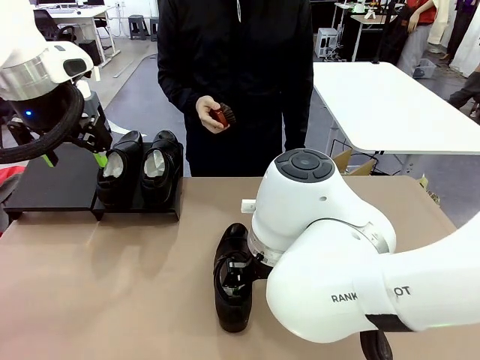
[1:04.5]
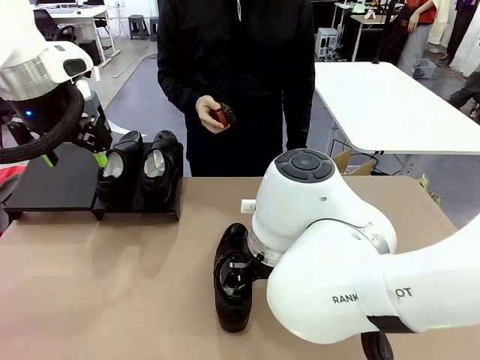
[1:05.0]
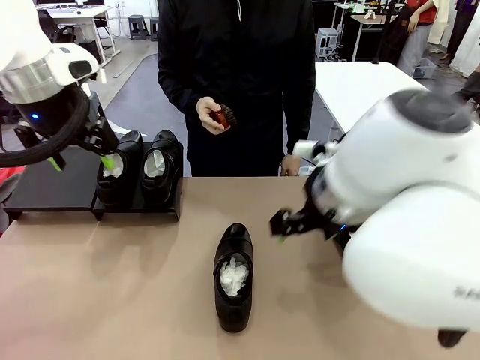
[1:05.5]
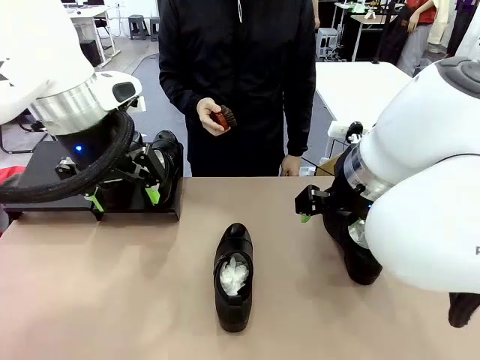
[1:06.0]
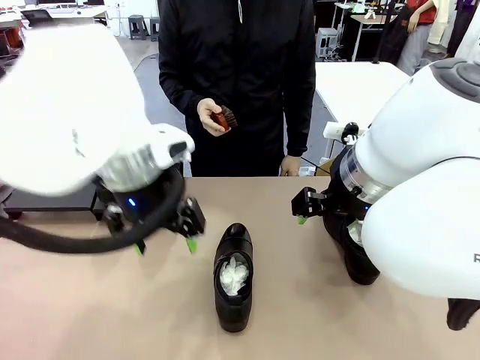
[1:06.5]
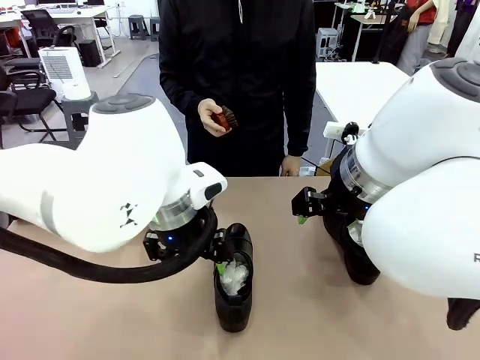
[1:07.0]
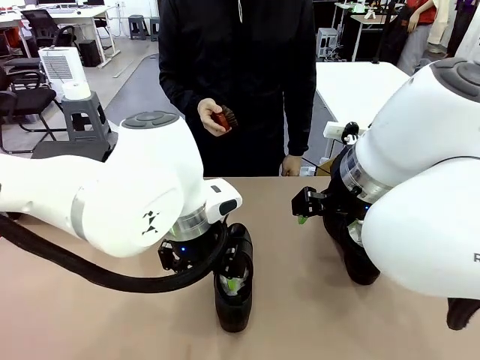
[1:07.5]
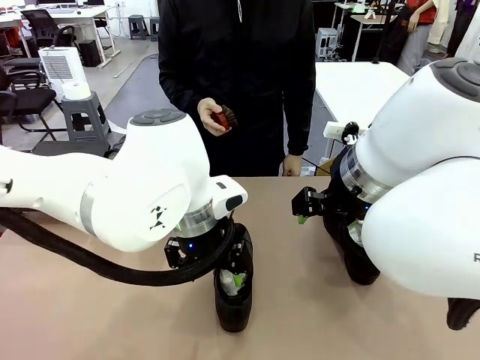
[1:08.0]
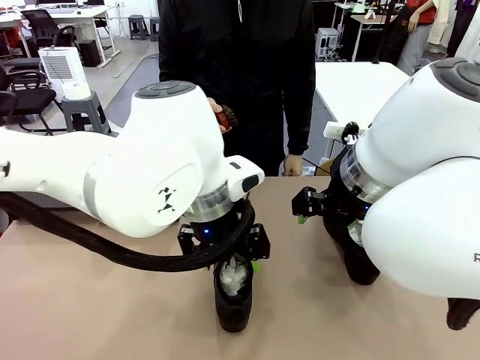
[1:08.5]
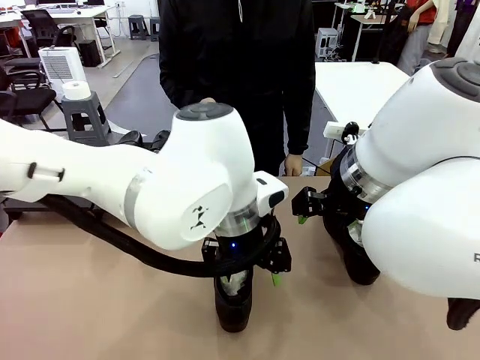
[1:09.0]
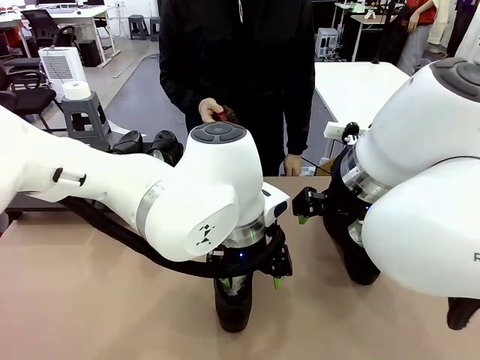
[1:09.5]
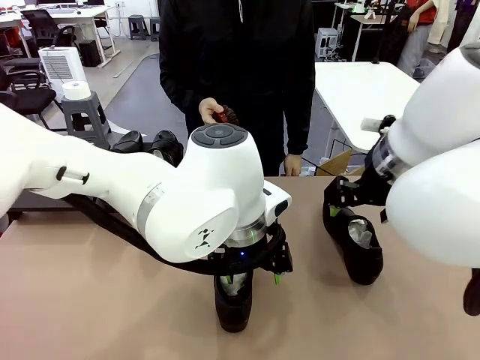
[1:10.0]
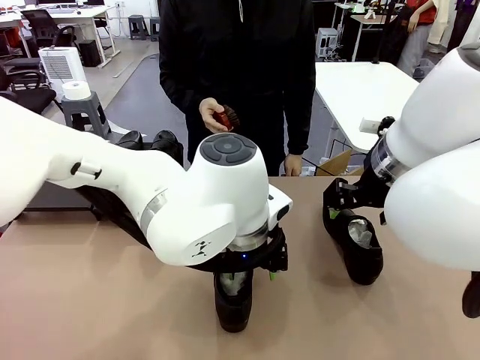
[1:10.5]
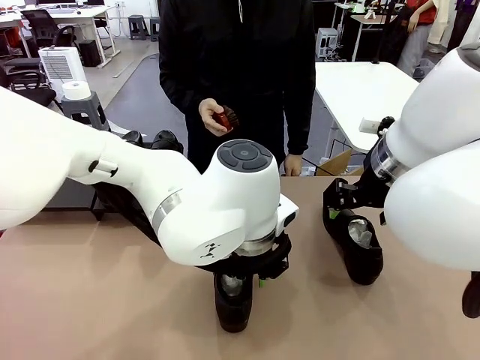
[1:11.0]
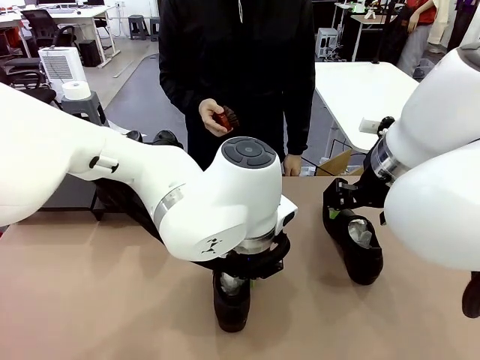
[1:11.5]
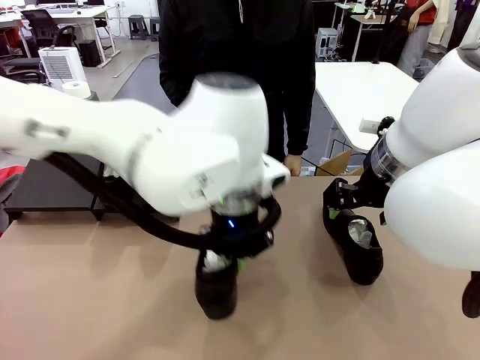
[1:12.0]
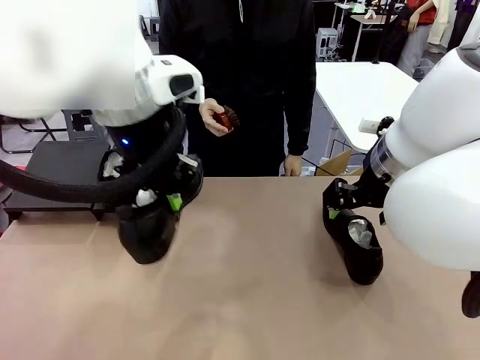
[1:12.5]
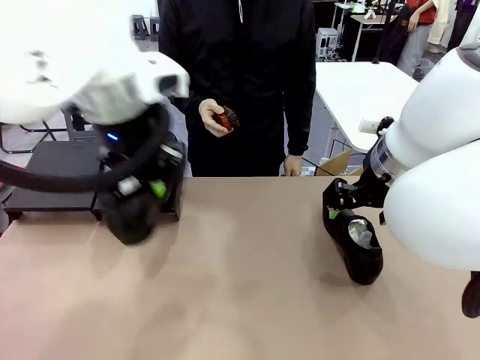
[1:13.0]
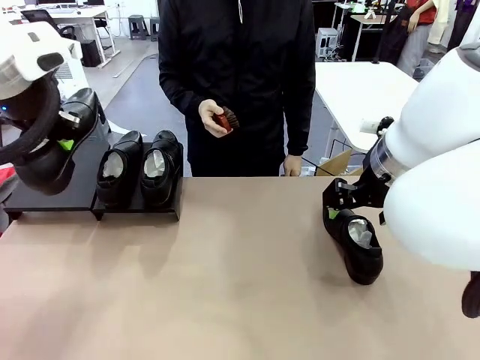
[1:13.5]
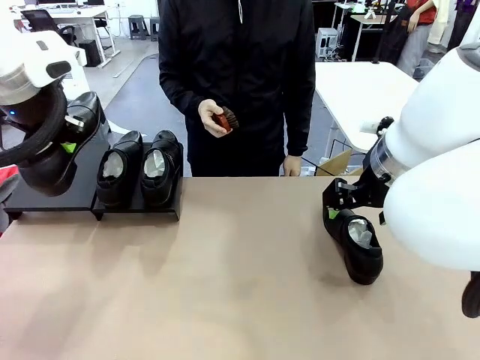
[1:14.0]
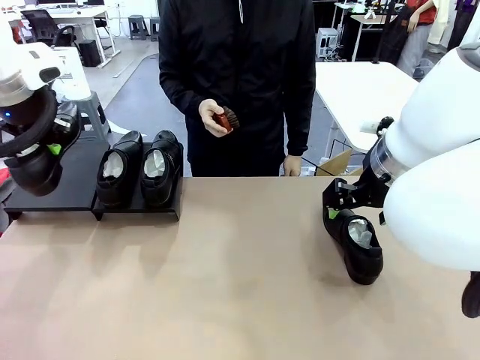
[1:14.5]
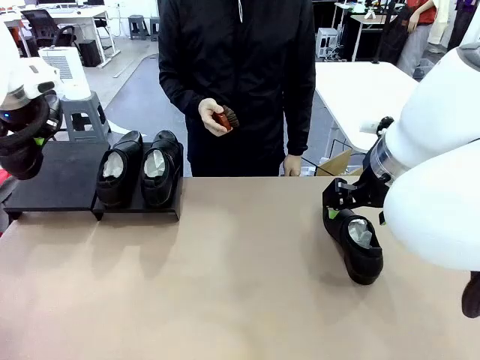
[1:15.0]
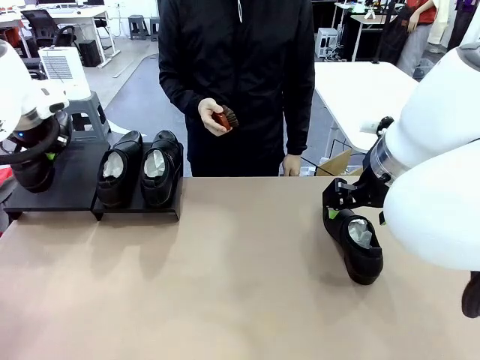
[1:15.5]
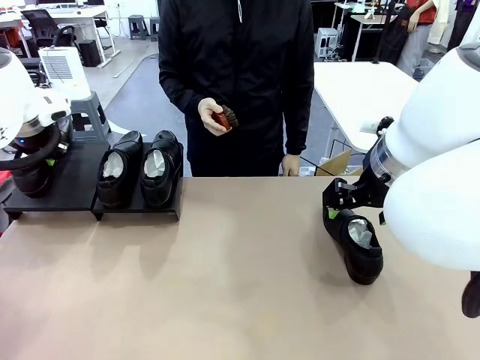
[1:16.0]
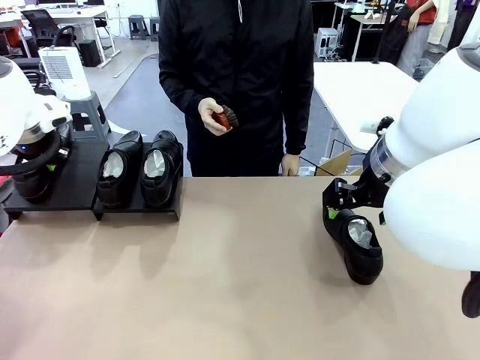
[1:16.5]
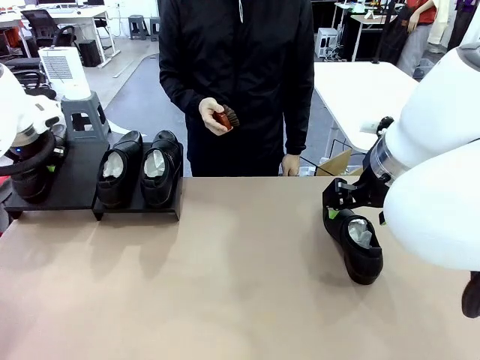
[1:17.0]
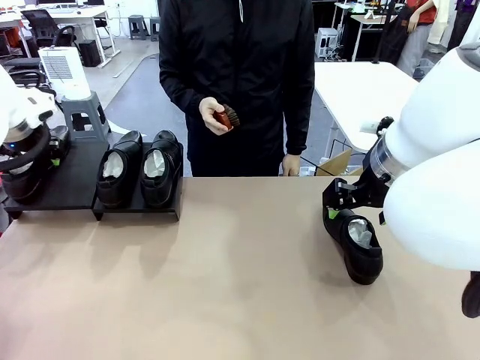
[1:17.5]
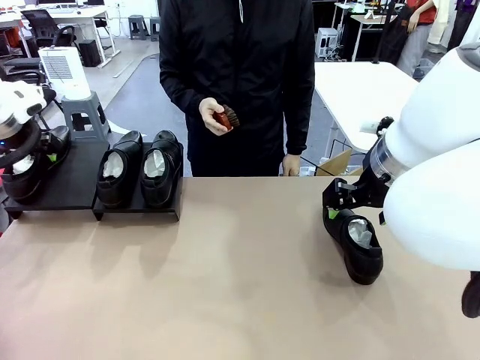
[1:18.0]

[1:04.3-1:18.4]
Task: Organize the shoes by placing them on the stand.
Robot: Place the Shoe from the middle of the table onto the Shoes Stand.

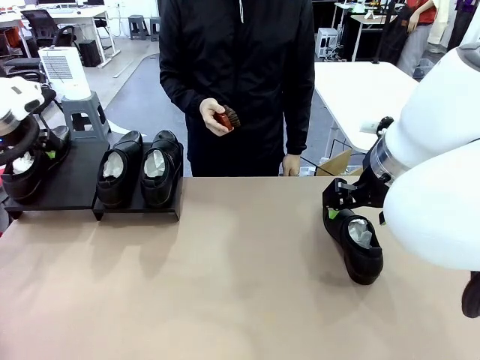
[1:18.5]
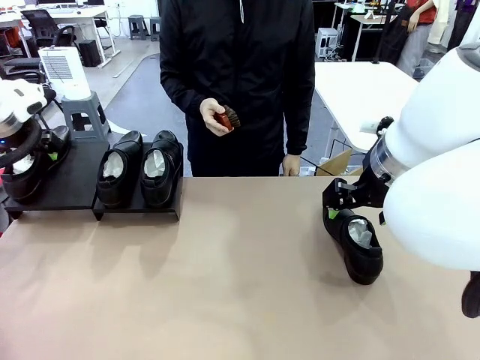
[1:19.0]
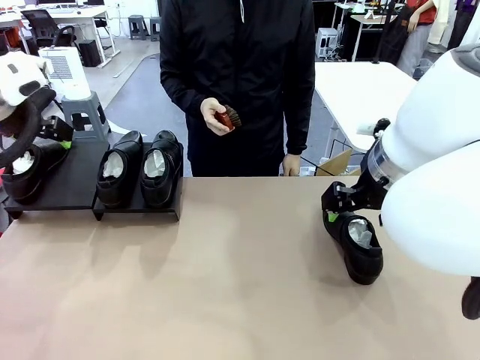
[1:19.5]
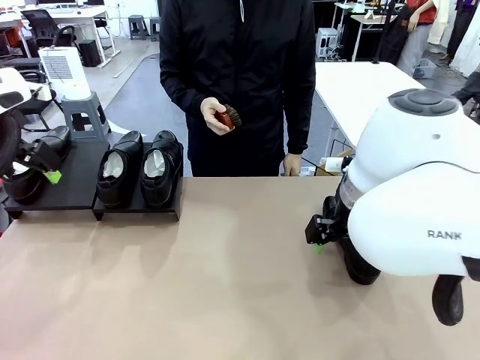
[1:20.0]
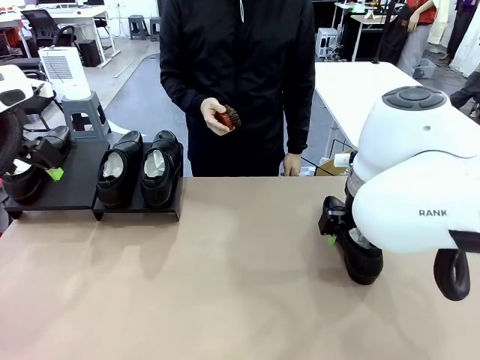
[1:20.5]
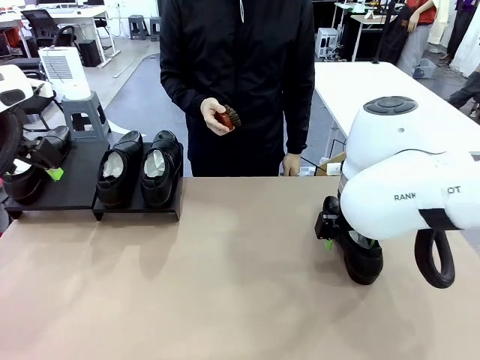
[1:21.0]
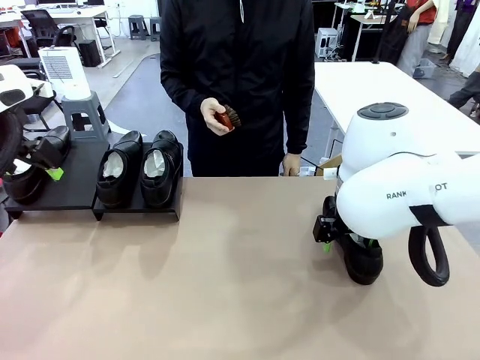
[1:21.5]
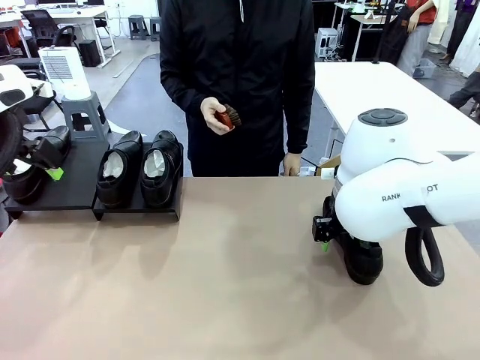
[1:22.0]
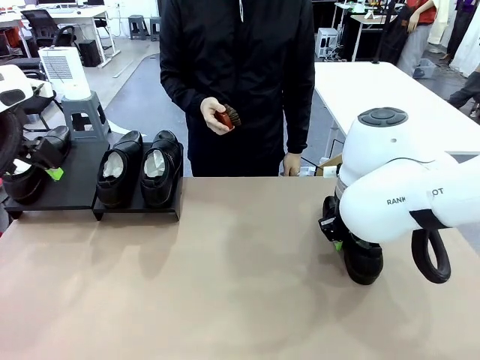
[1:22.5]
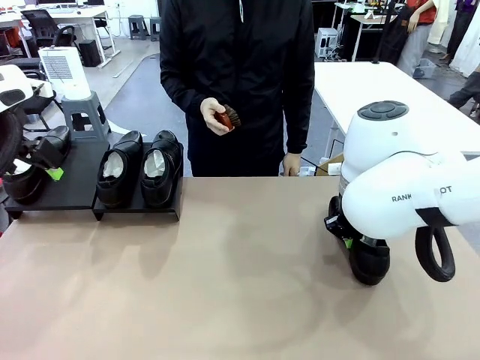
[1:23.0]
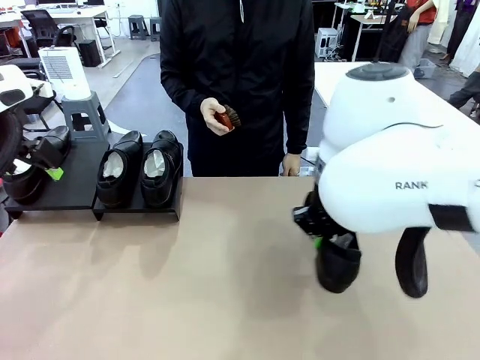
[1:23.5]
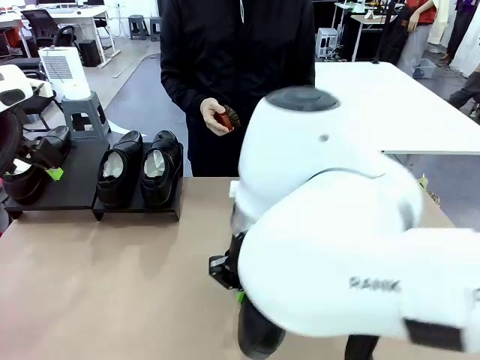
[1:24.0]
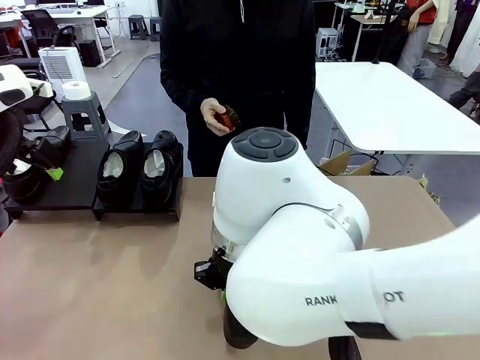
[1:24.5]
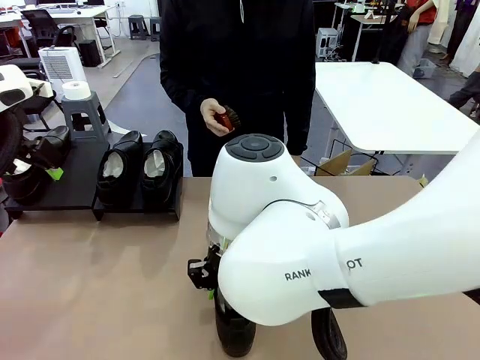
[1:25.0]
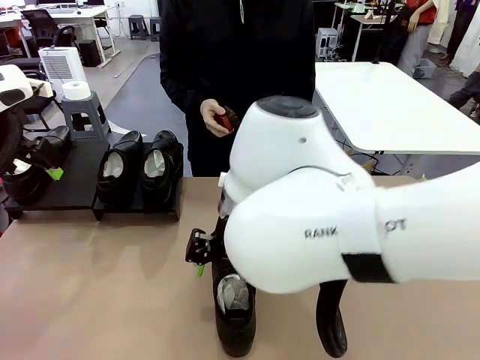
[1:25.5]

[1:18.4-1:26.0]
Robot: Pick up one Shoe and place it in the middle of the table.

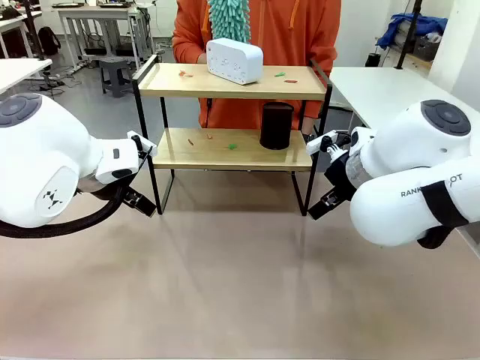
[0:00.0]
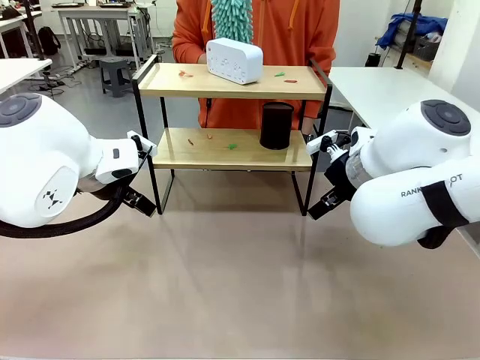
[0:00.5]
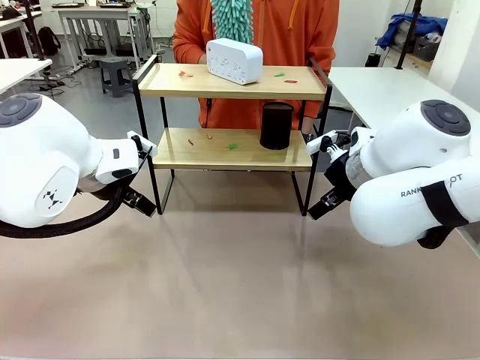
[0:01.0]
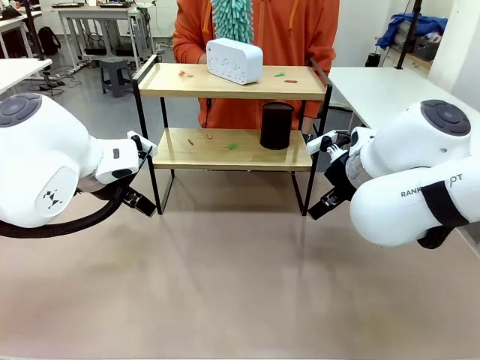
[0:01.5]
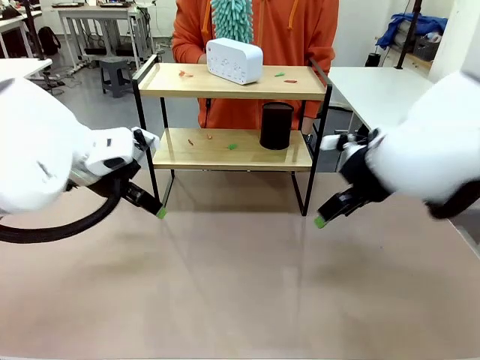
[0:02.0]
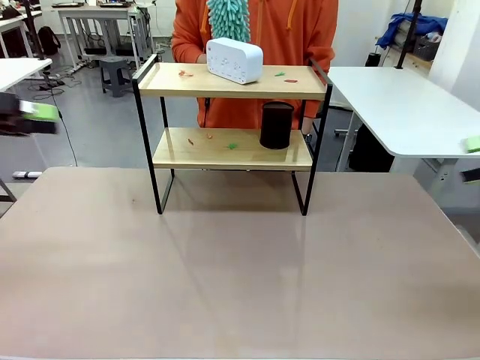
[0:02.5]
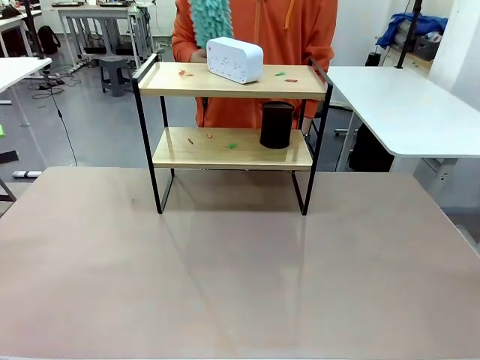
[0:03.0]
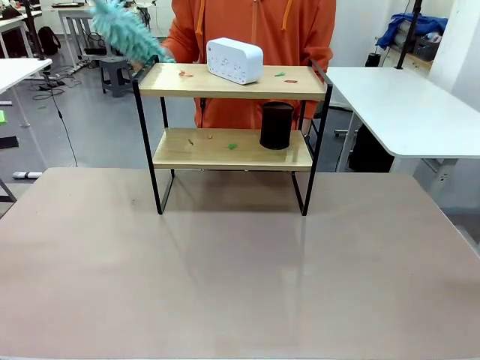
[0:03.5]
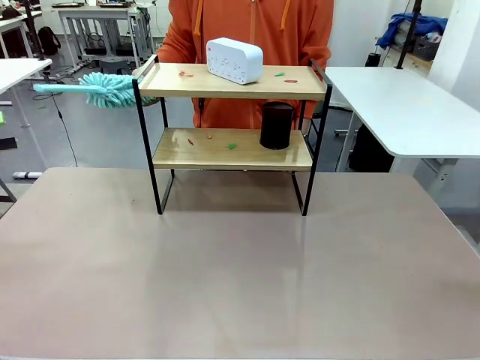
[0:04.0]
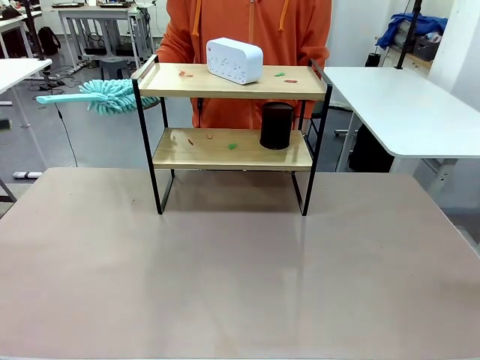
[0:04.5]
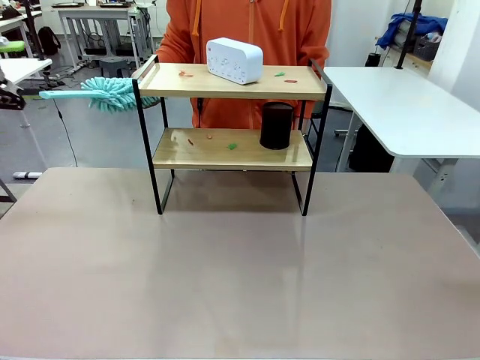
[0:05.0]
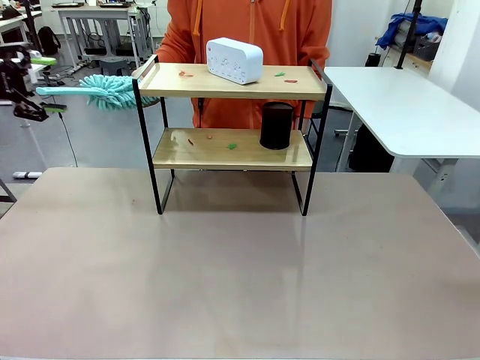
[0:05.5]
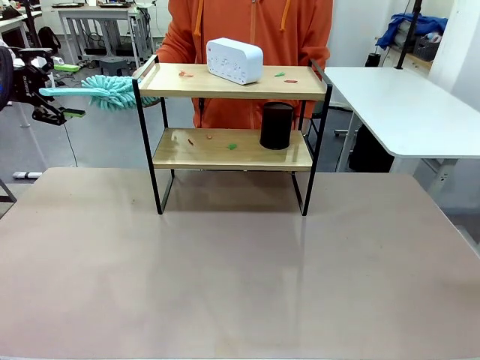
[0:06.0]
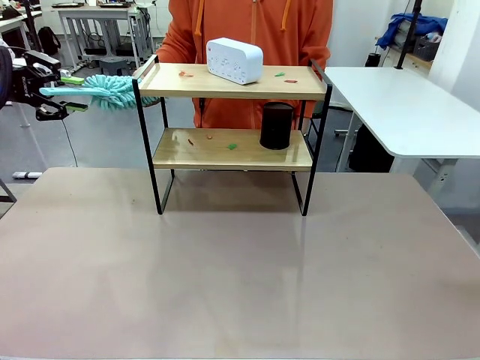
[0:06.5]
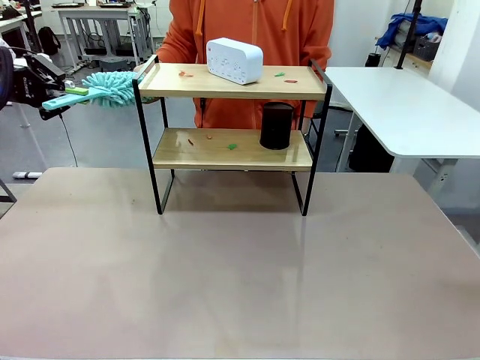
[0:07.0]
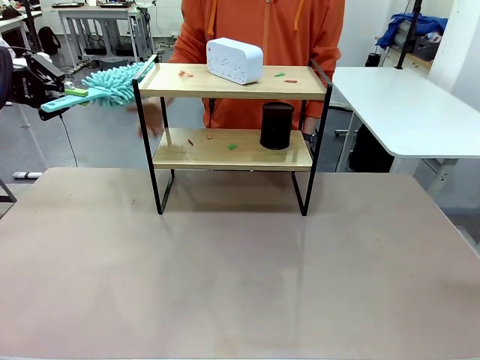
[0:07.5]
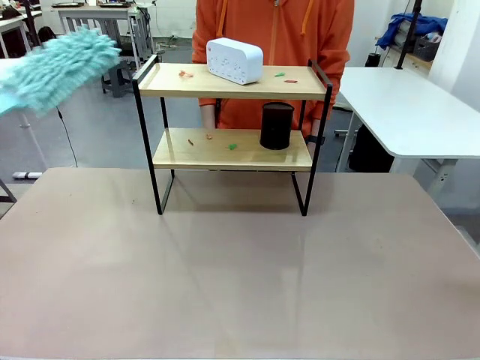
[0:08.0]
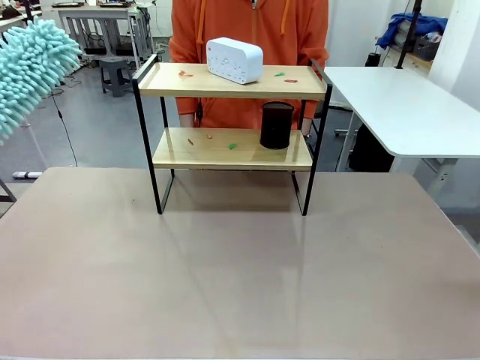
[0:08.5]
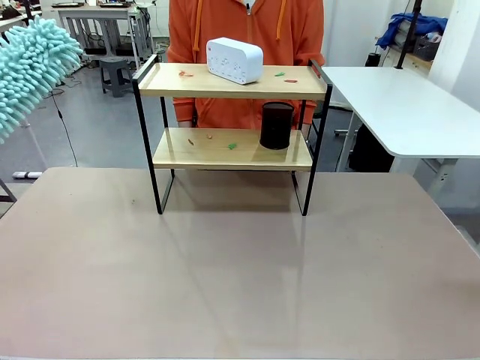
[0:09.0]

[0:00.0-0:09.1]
Task: Clean the shelf.
Robot: Pick up the Duster from the human.
Person: Hand the Duster to the robot.
